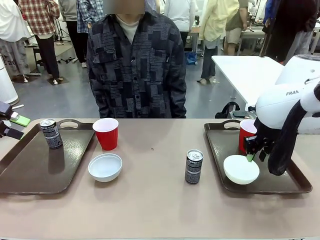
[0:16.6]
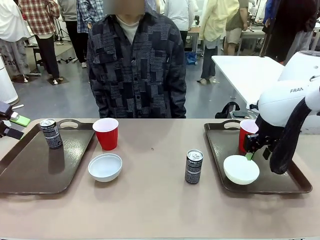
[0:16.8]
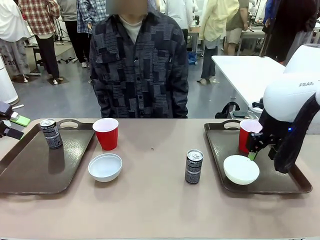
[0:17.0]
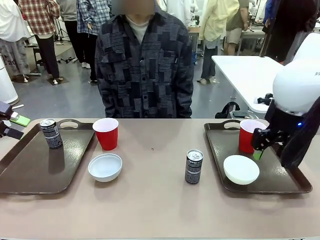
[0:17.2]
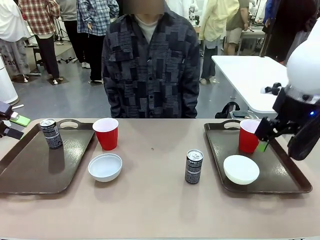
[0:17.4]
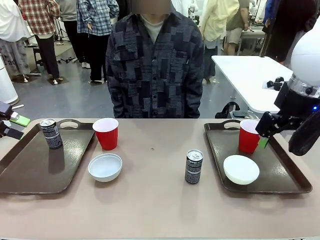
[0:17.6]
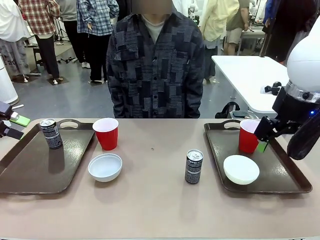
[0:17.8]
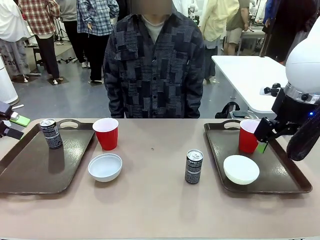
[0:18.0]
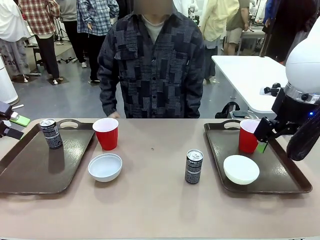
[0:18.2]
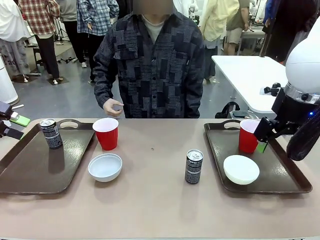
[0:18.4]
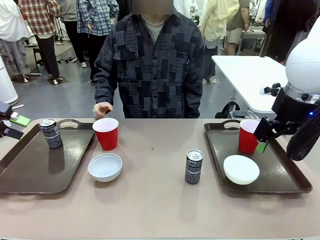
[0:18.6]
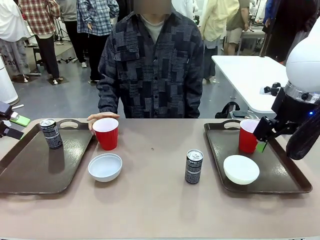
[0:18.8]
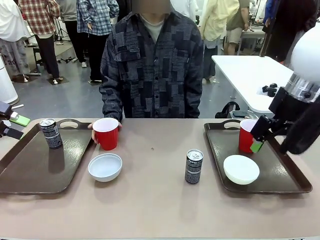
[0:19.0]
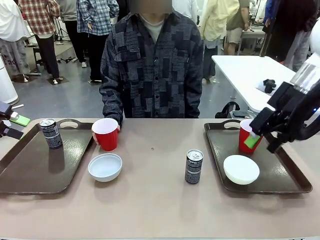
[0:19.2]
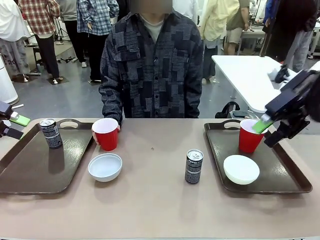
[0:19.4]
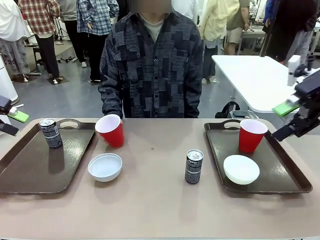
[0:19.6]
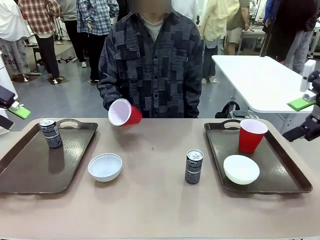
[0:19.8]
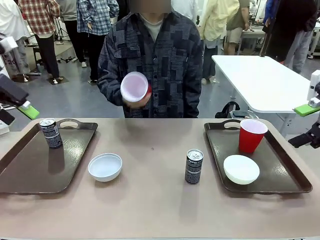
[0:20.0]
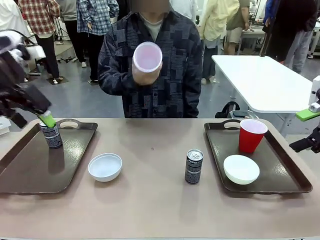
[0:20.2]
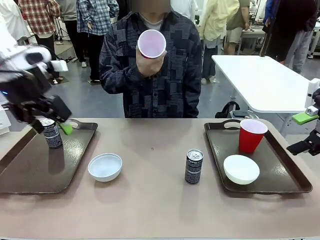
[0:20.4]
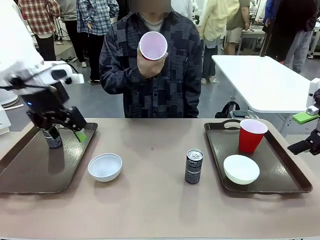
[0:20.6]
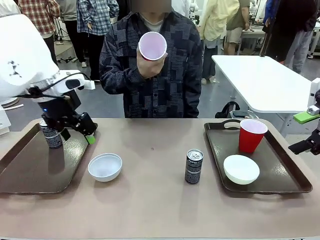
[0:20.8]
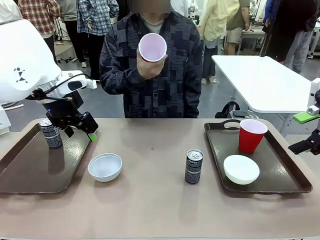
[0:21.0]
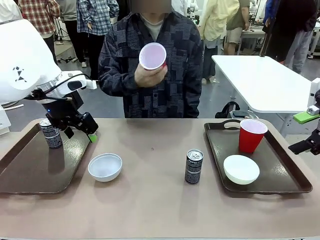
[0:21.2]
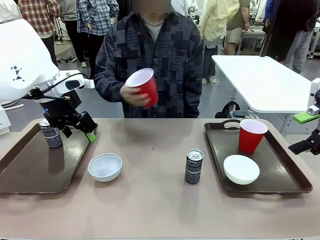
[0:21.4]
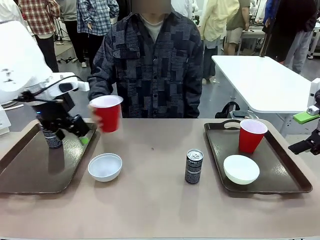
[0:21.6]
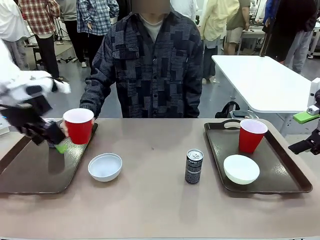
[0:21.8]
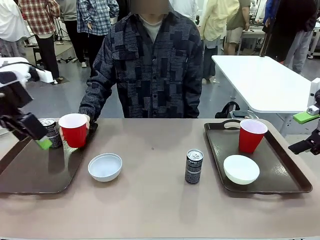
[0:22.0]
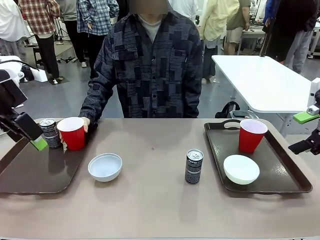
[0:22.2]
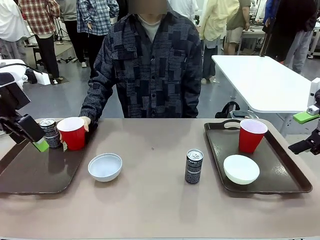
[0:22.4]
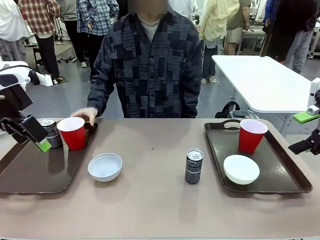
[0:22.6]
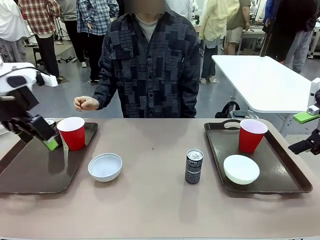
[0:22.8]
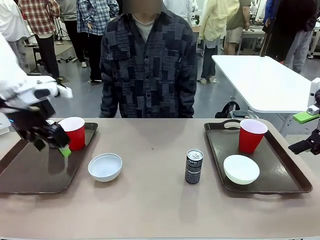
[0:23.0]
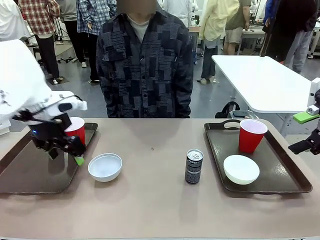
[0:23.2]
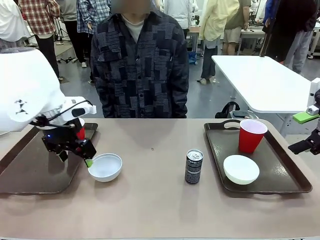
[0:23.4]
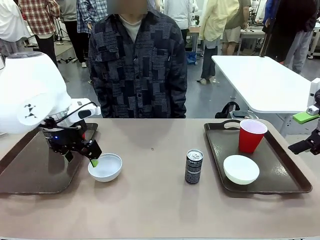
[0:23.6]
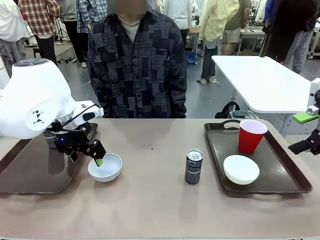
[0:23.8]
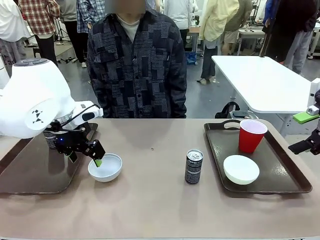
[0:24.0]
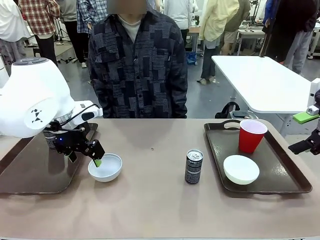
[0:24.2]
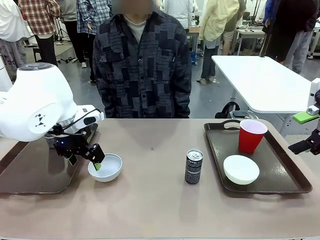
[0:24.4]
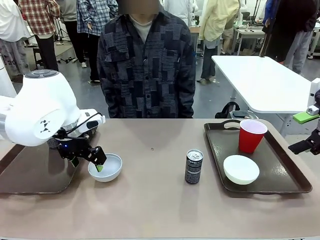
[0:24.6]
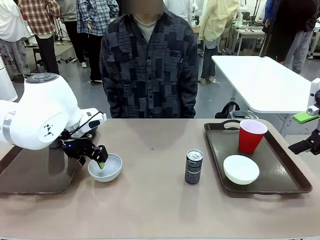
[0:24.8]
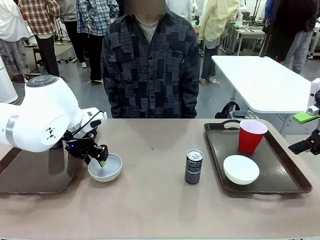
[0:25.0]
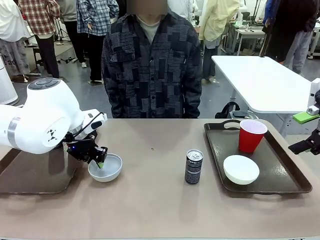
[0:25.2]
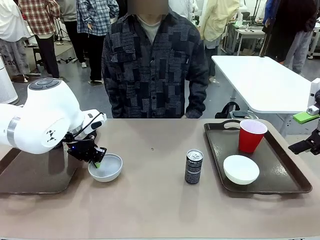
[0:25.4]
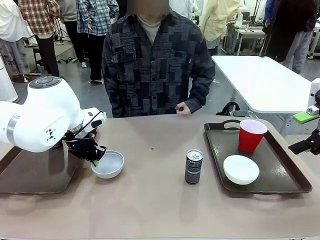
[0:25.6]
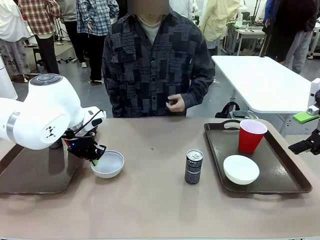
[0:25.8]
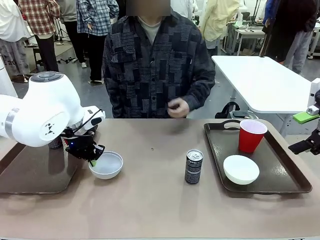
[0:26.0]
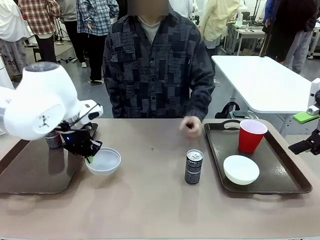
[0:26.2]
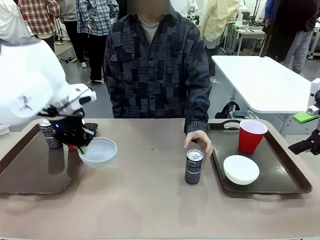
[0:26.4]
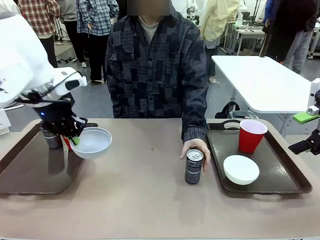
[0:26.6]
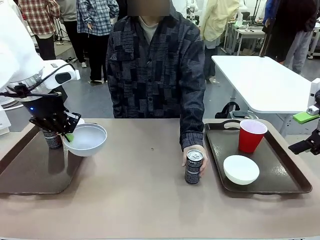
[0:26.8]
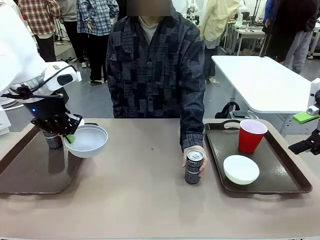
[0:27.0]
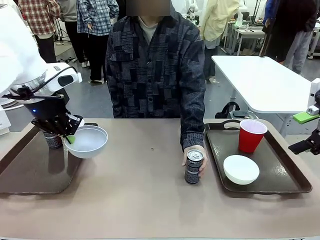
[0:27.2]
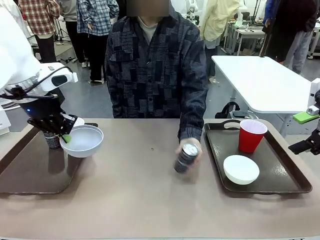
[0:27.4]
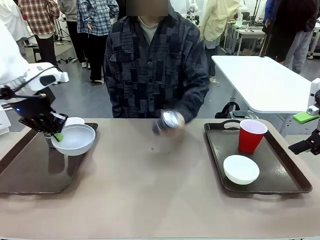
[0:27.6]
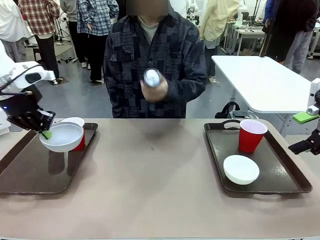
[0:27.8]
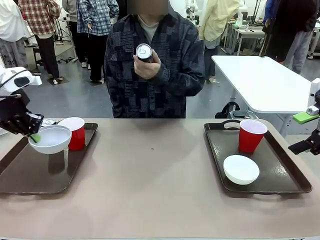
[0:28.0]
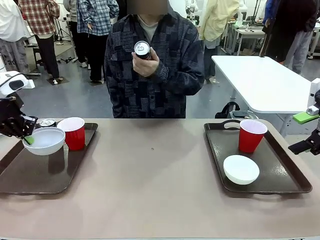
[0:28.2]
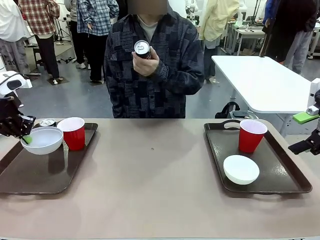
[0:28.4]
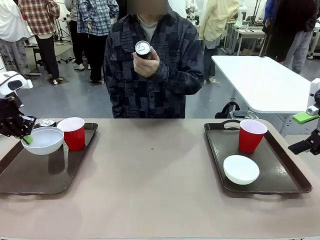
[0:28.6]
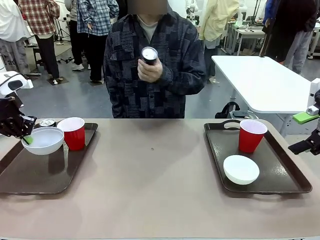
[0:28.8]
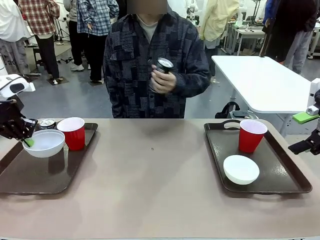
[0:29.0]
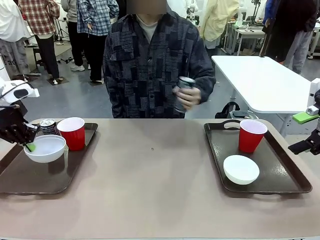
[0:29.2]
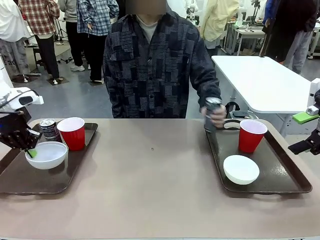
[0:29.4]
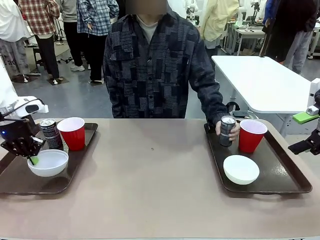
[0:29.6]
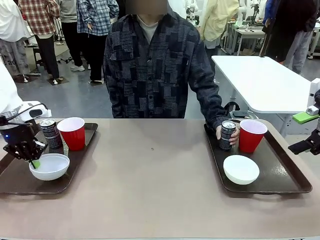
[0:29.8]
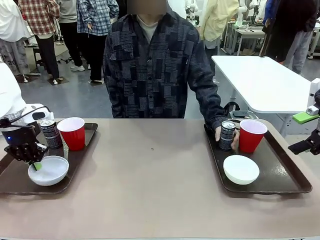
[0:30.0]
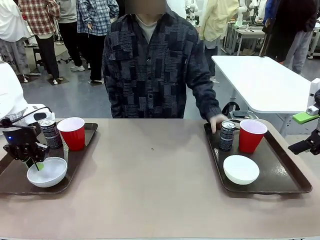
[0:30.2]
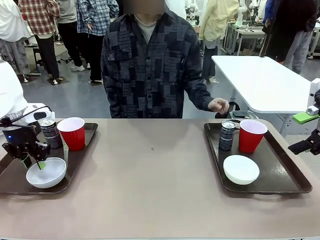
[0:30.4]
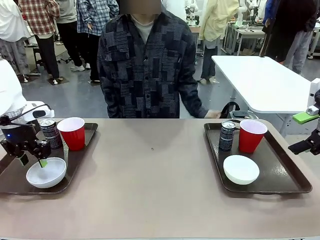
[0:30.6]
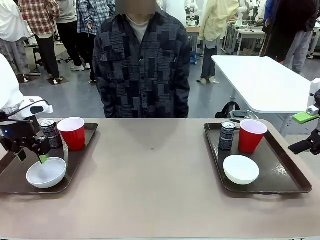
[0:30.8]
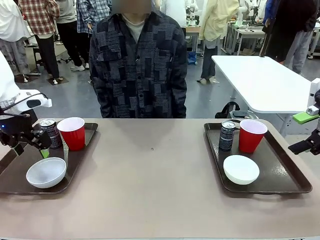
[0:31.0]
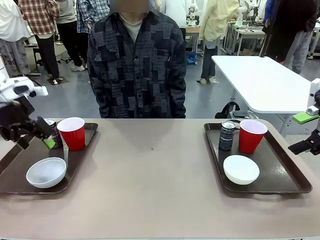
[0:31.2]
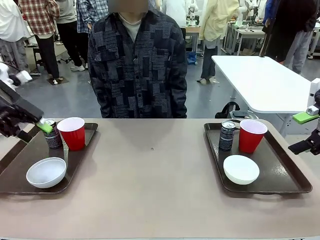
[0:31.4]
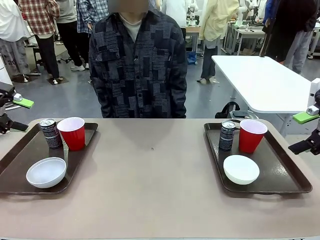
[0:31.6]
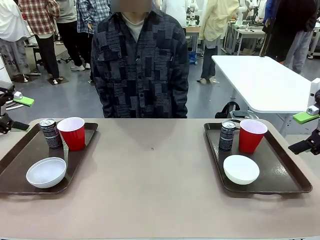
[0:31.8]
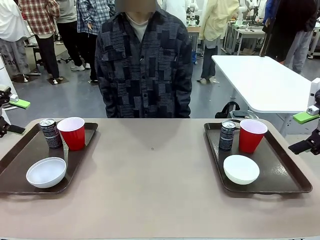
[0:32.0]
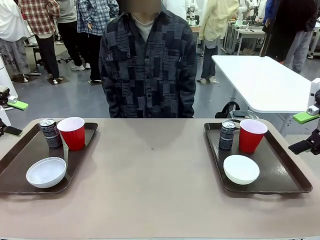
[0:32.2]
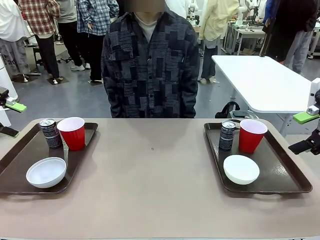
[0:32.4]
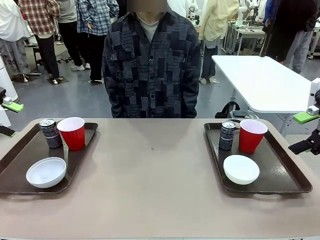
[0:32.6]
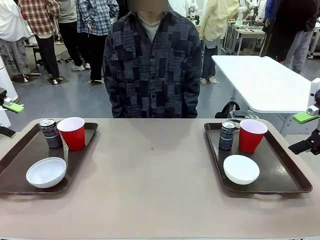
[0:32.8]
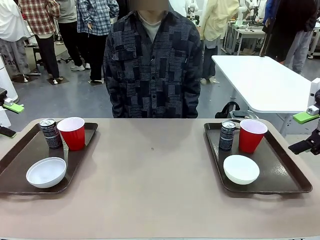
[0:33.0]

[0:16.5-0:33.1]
Task: Prepare tableware on both trays.
Robot: Pick up a Picnic Bowl from the table and place it on a Handle tray.
Person: Pick up a can or cup and place it on the tray without a can or cup.
